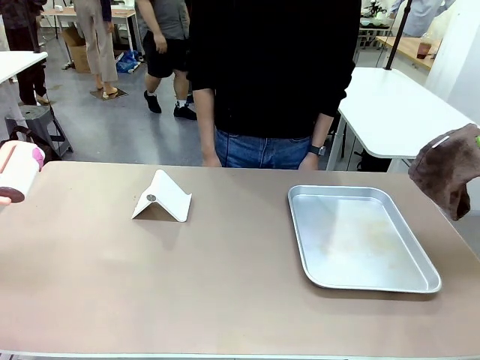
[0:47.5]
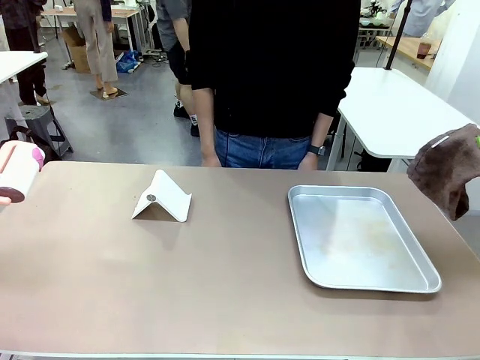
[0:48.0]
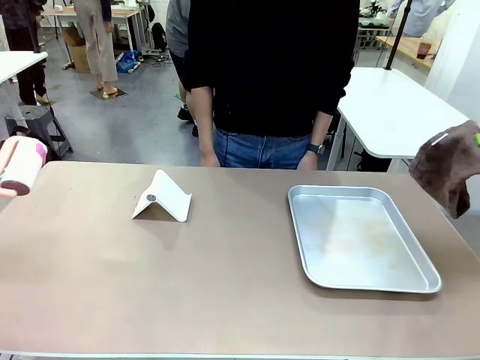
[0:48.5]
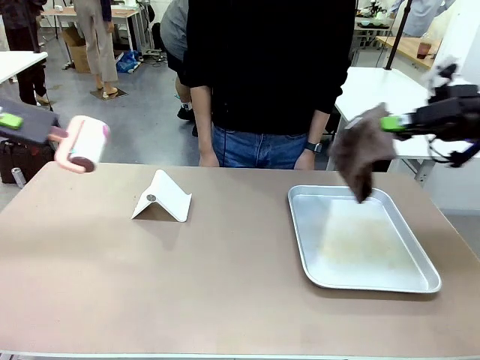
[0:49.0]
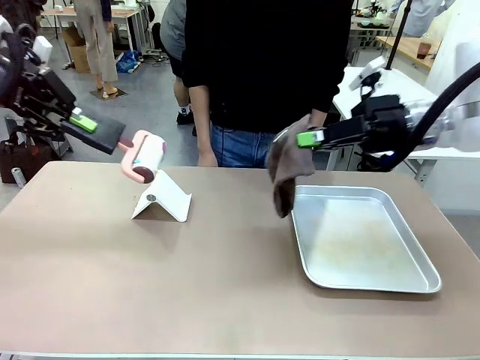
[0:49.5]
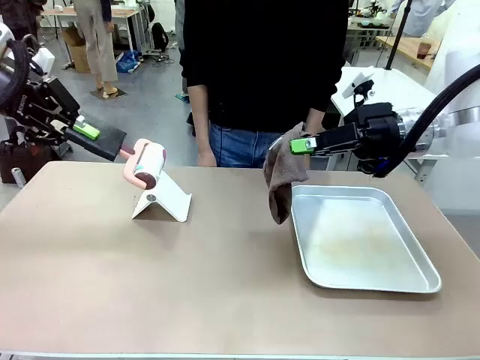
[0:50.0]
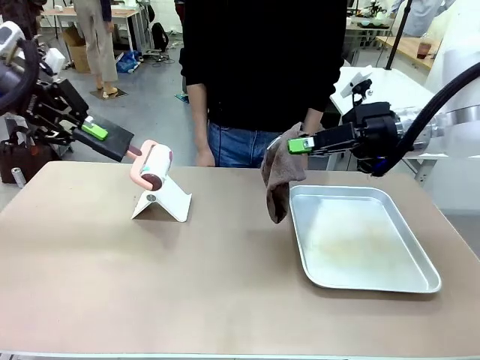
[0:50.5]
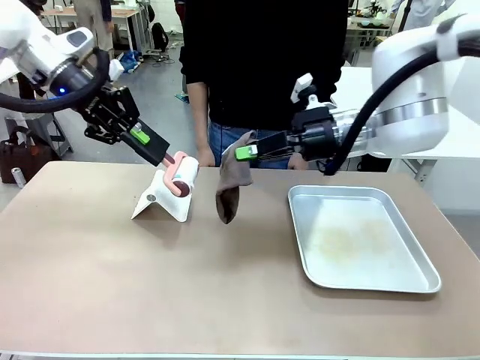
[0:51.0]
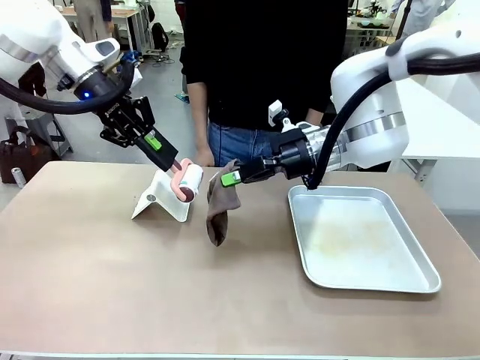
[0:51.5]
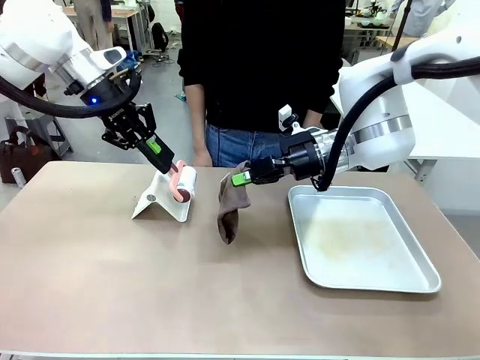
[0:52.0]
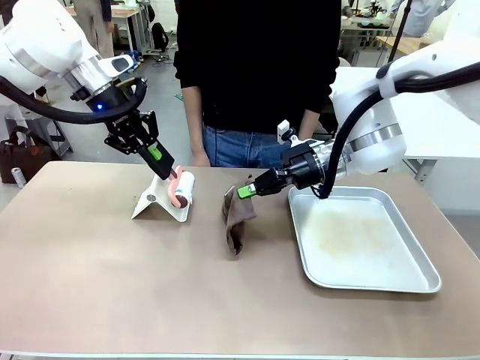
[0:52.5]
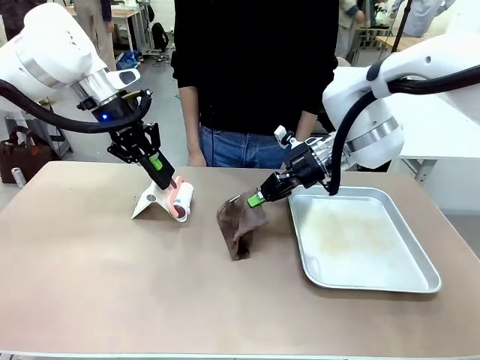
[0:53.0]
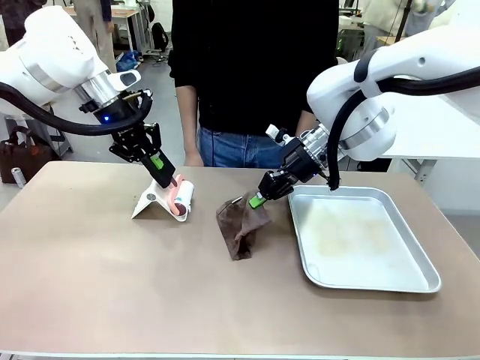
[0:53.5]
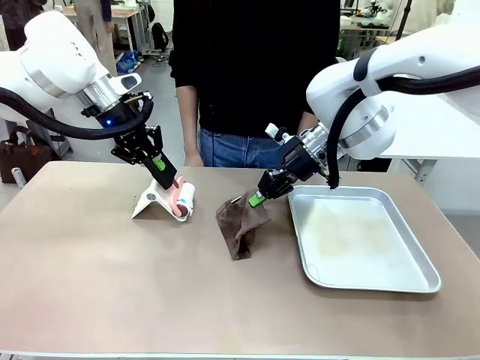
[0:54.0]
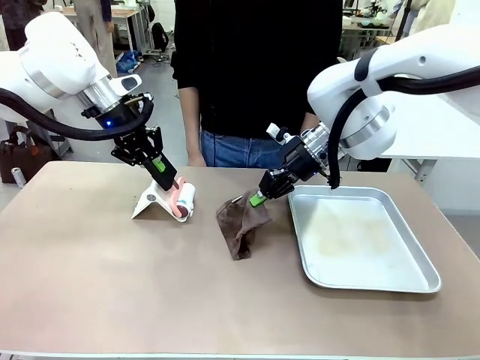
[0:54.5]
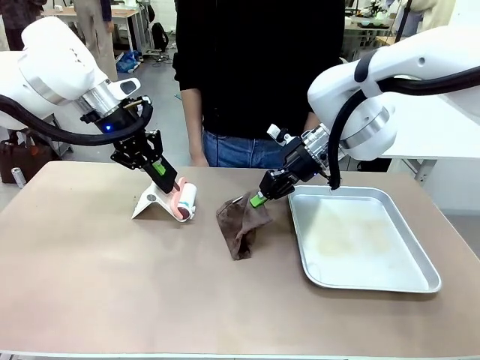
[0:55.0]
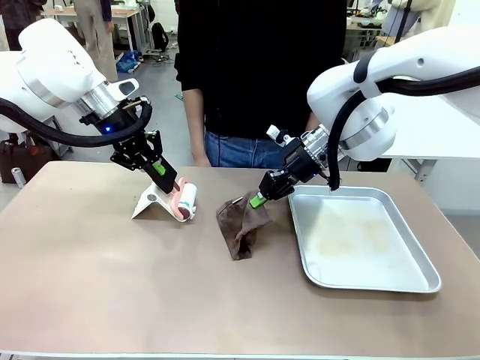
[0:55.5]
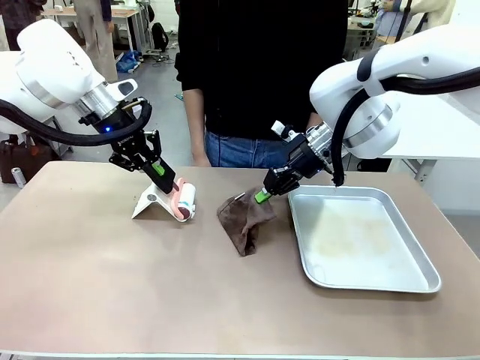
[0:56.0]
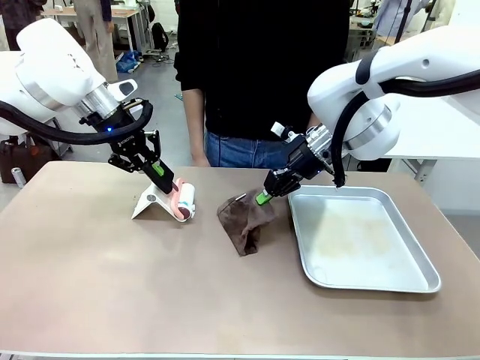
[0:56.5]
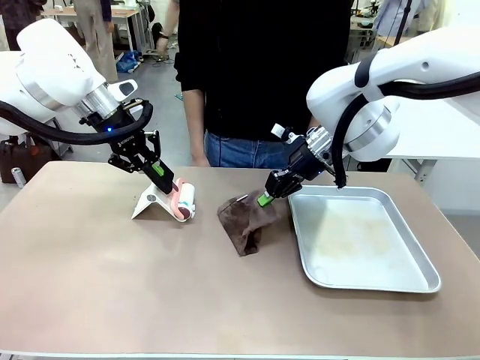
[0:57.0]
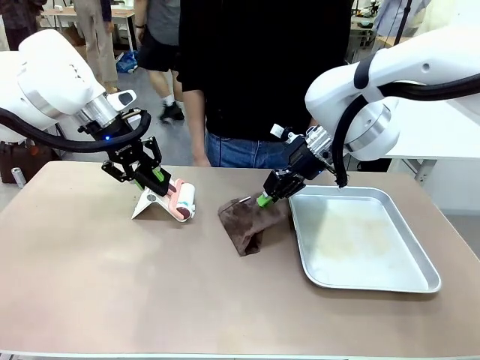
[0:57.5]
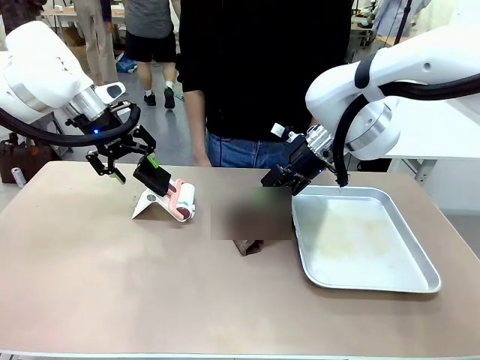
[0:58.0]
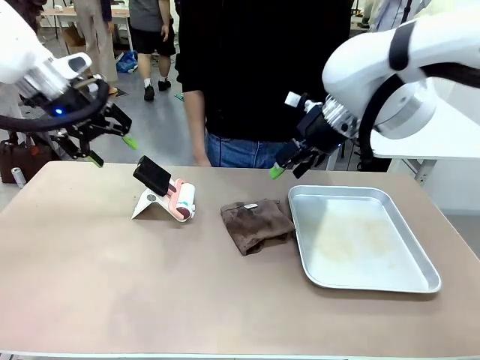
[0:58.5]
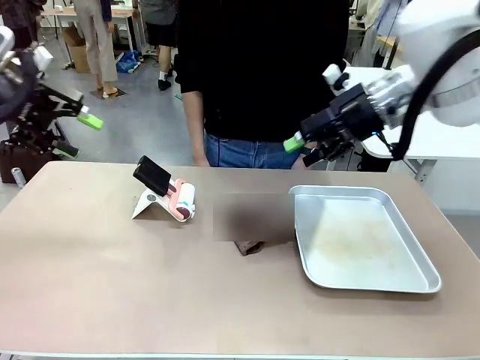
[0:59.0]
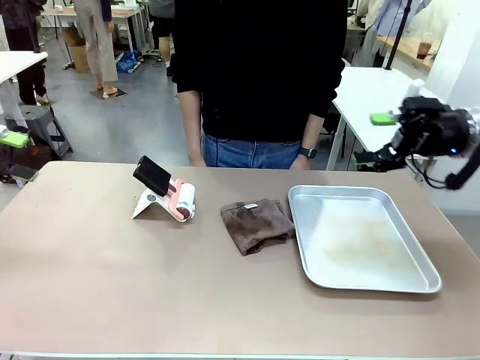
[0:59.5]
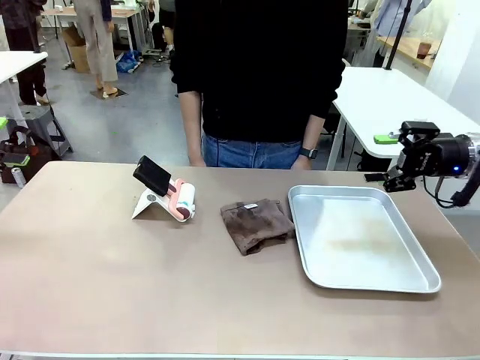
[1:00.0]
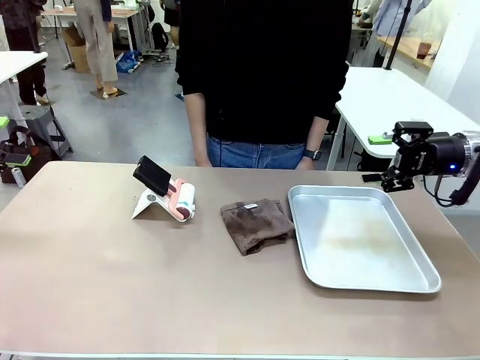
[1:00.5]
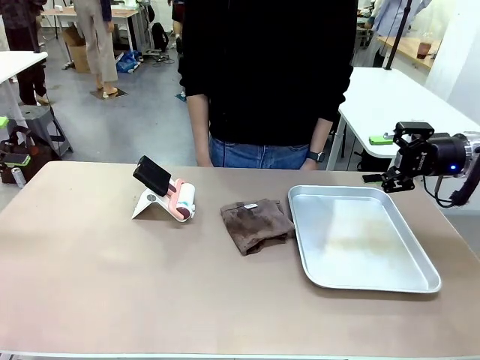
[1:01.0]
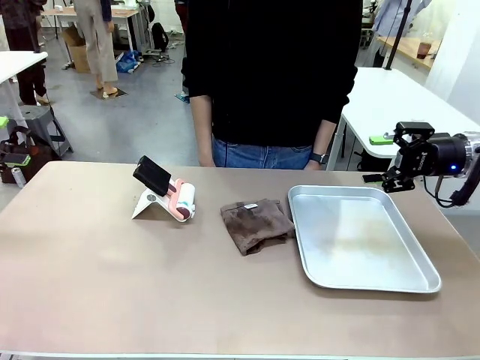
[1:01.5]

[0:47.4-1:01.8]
Task: Clean the surface of the table.
Robot: Return the Lint Roller and towel to their original positions.

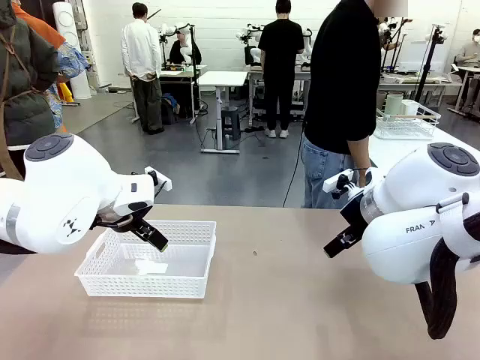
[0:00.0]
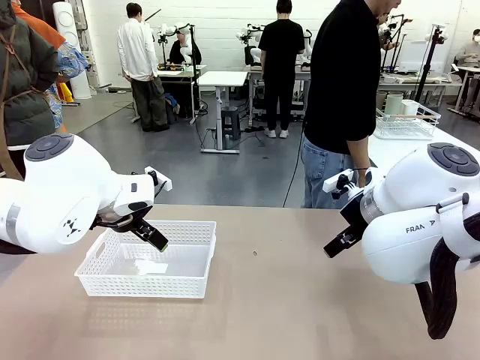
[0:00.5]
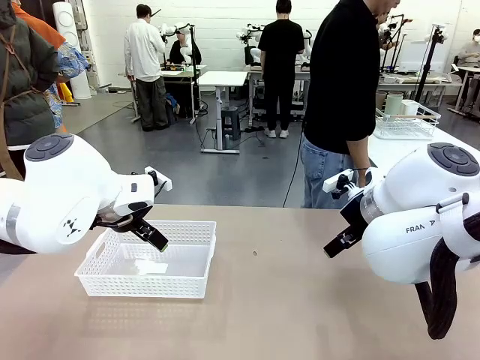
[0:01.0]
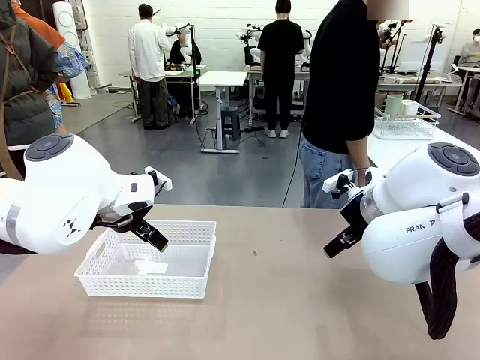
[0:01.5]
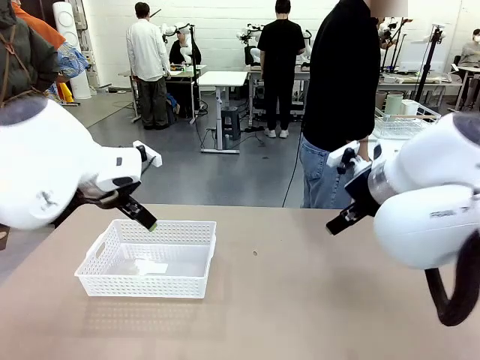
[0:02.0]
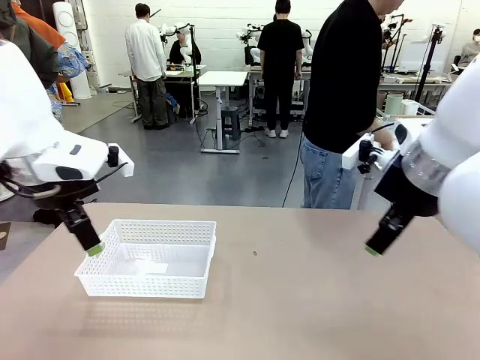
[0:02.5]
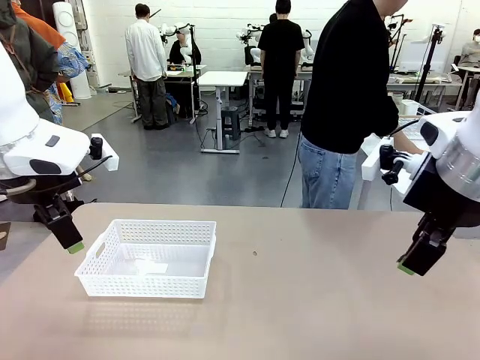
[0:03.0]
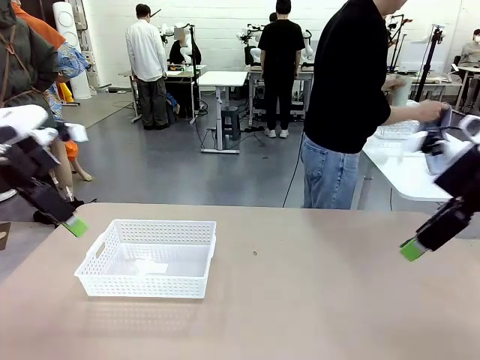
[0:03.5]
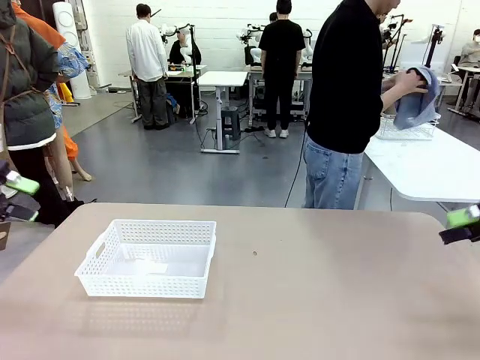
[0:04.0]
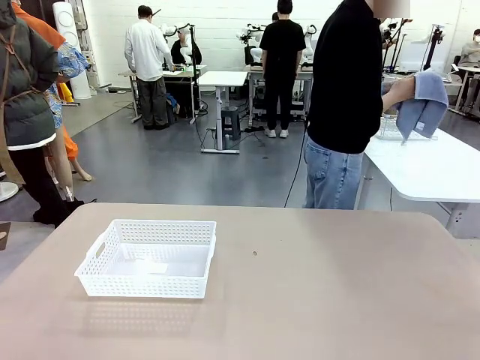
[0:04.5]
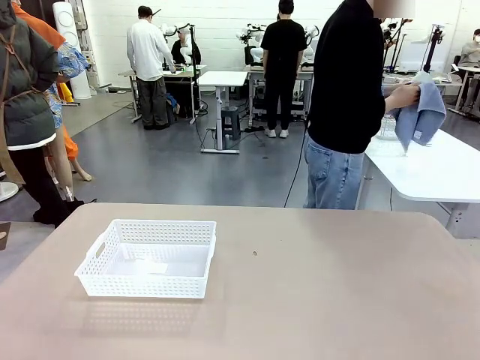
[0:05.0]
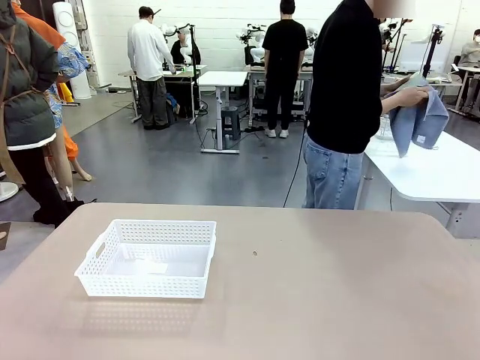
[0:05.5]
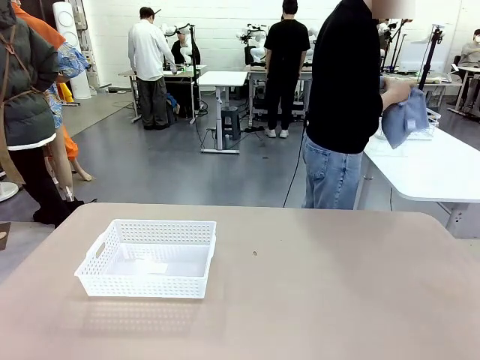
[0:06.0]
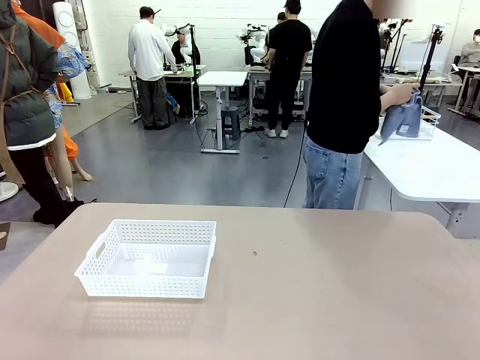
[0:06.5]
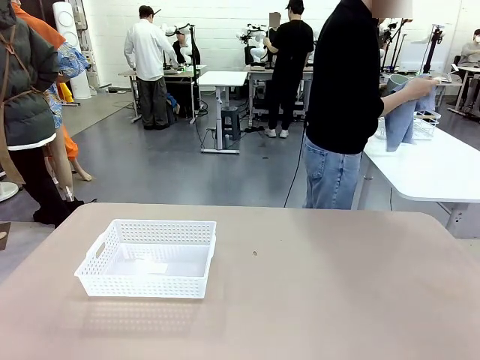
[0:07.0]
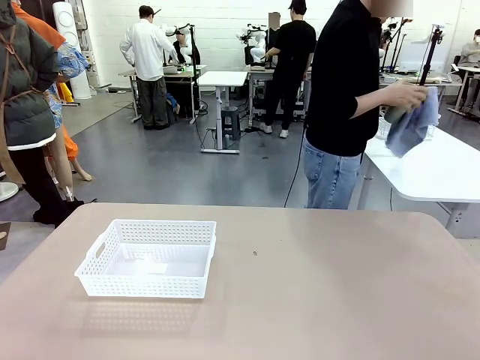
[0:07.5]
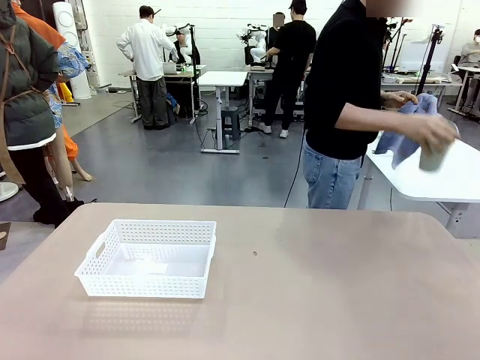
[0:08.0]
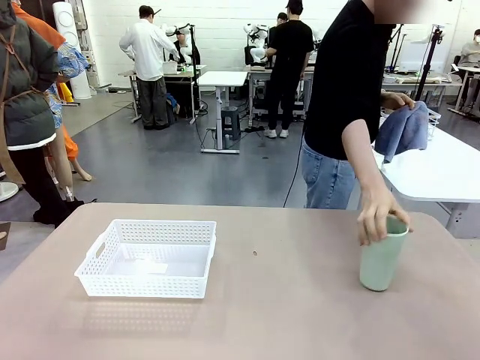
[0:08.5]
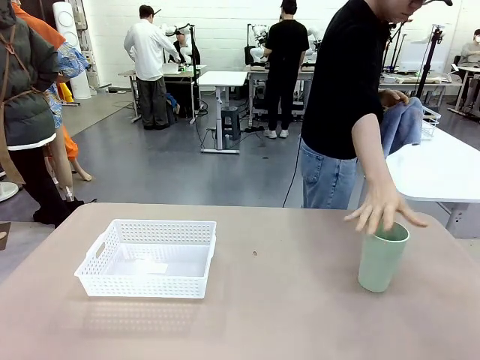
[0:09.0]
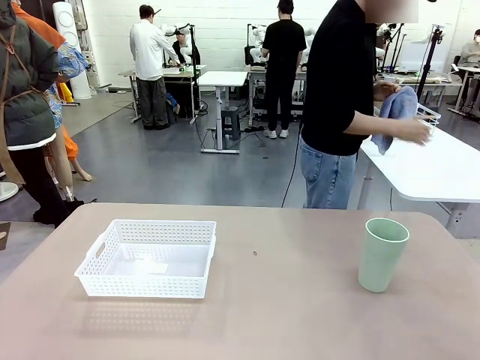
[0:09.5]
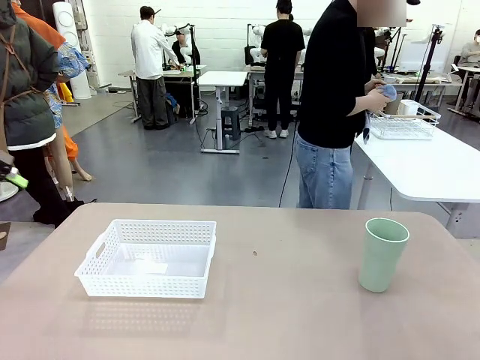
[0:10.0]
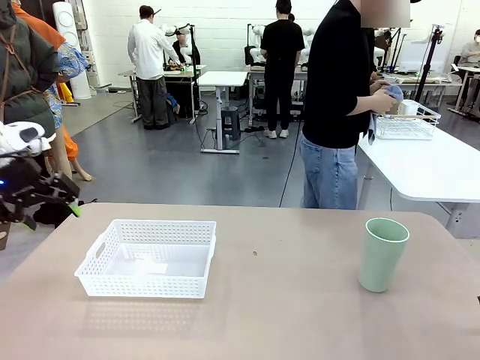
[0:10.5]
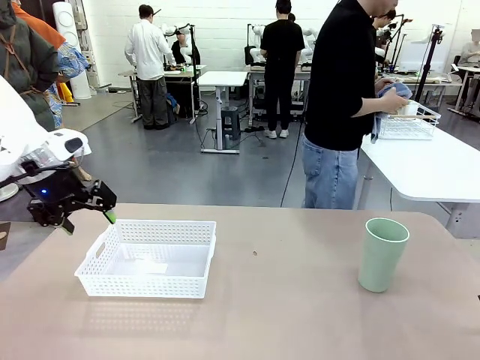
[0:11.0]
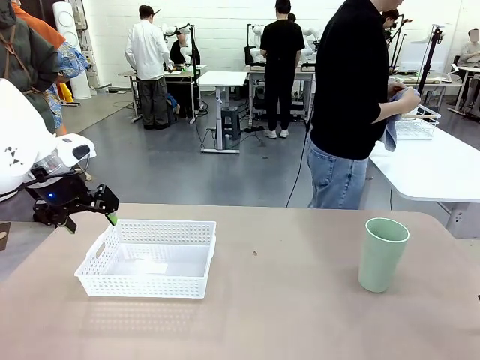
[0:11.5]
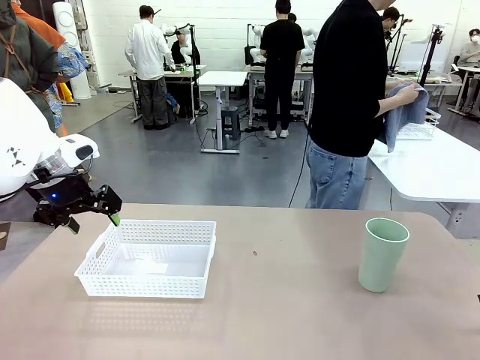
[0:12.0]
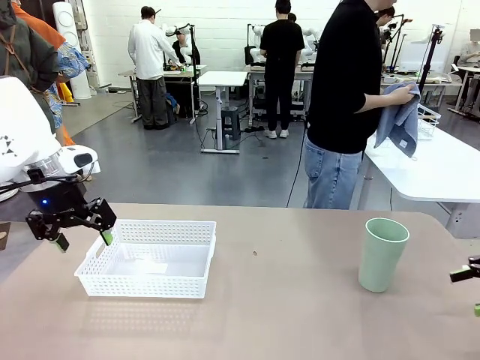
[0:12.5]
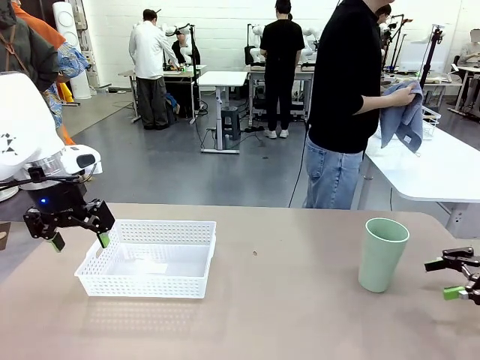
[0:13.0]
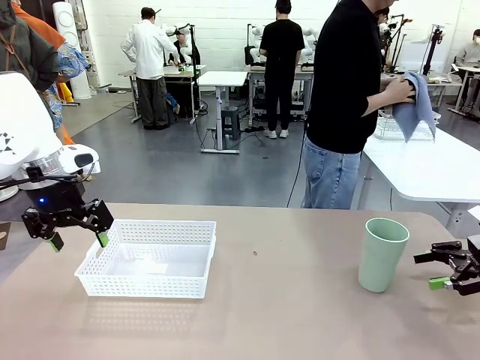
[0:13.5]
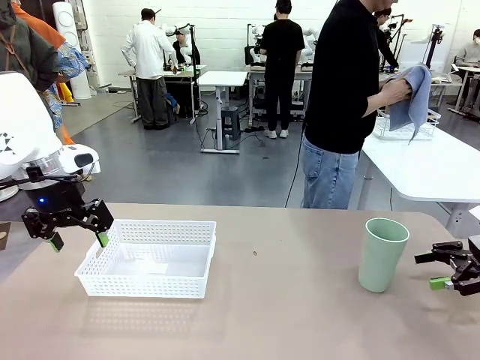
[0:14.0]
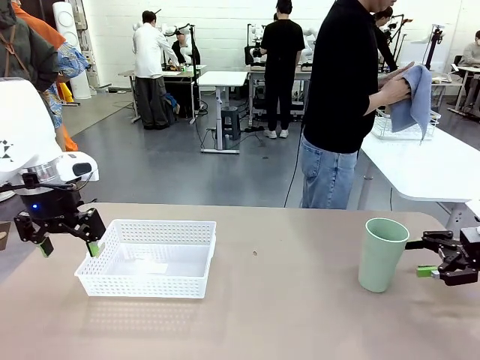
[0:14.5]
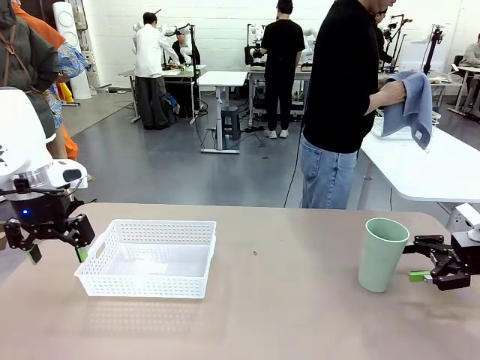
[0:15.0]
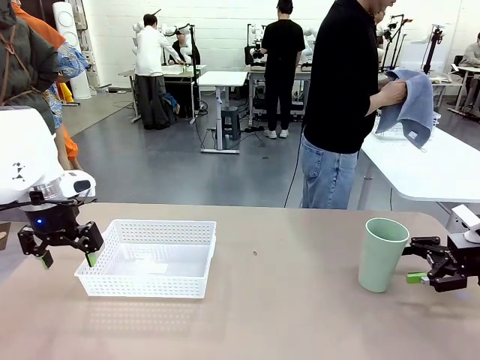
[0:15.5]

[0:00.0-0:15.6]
Task: Clean and organize the cups into the basket.
Robot: Pick up the Organizing basket and move it to the center of the table, then pick up the Reusable plastic cup from the right side of the table and place it inside the Organizing basket.
Person: Picks up a cup and a towel, cleans the cup with the towel, and places it on the left side of the robot table.
